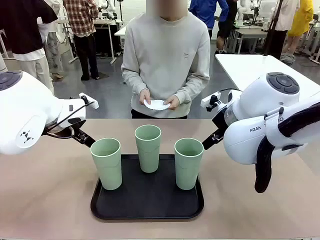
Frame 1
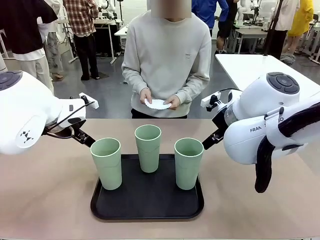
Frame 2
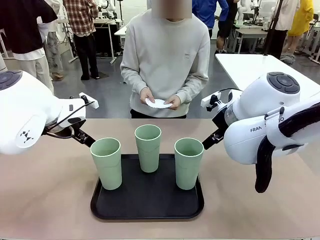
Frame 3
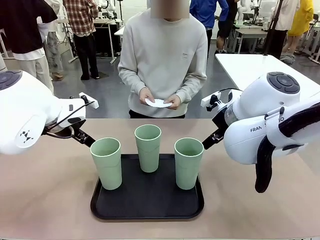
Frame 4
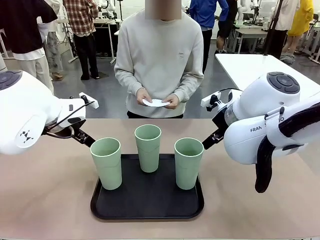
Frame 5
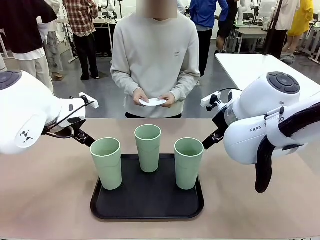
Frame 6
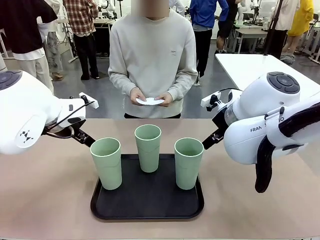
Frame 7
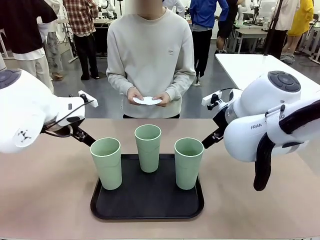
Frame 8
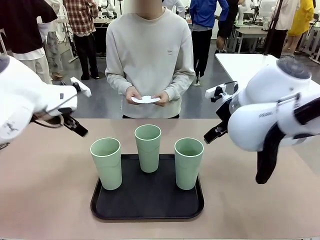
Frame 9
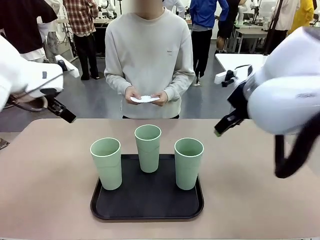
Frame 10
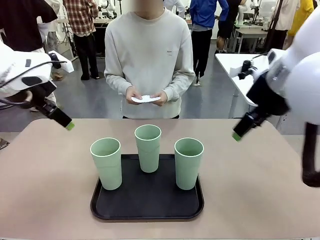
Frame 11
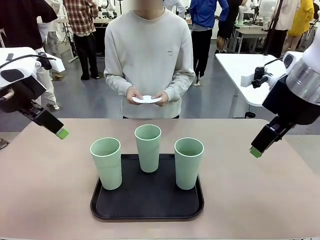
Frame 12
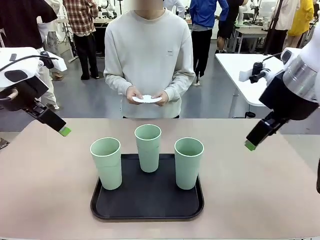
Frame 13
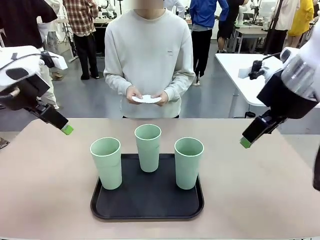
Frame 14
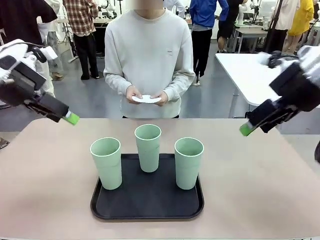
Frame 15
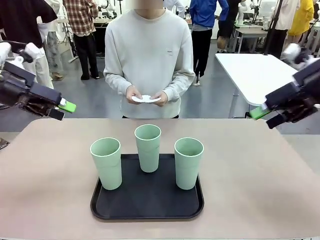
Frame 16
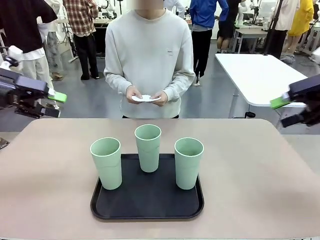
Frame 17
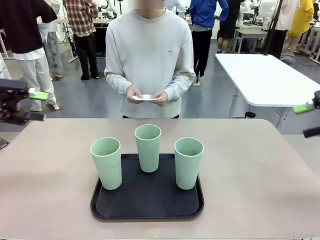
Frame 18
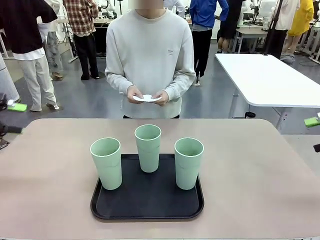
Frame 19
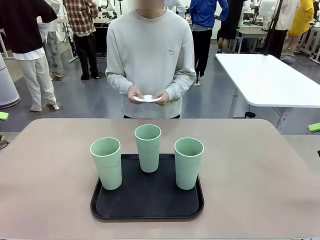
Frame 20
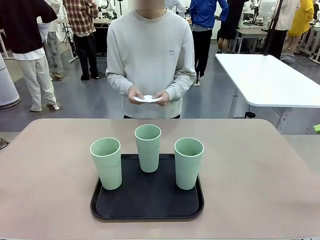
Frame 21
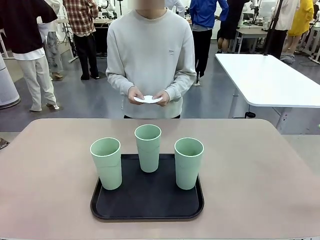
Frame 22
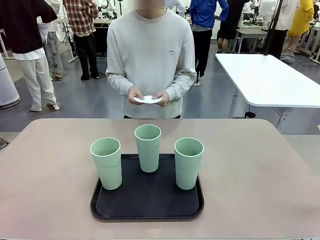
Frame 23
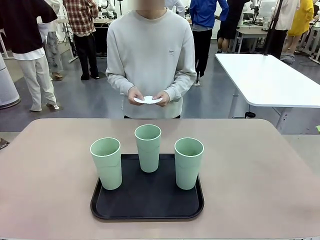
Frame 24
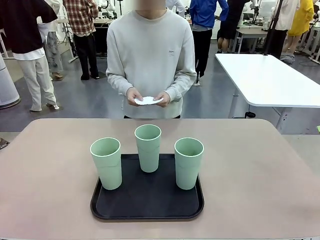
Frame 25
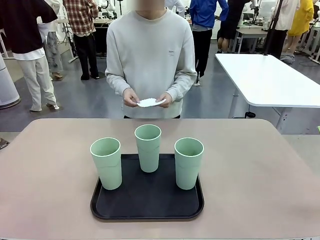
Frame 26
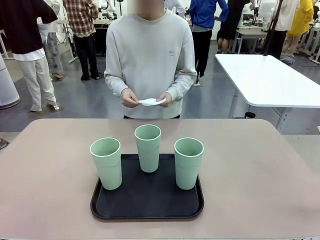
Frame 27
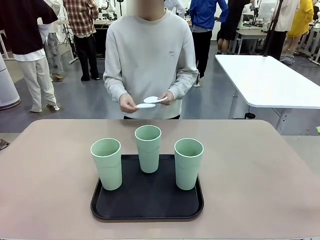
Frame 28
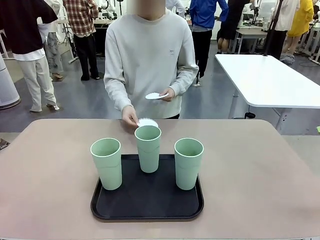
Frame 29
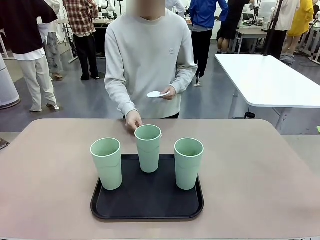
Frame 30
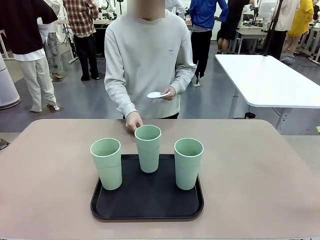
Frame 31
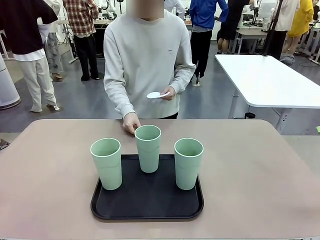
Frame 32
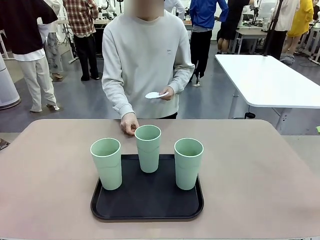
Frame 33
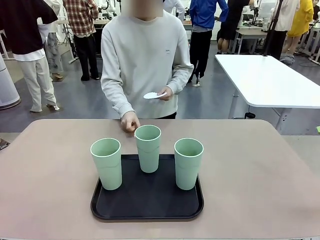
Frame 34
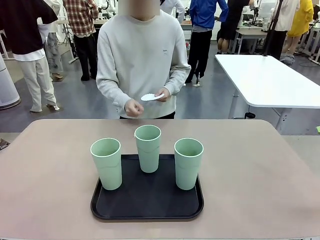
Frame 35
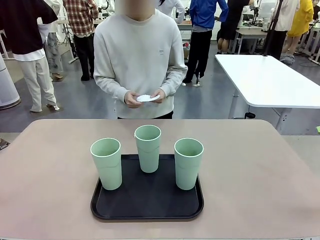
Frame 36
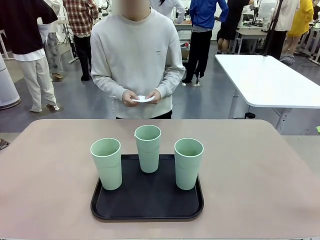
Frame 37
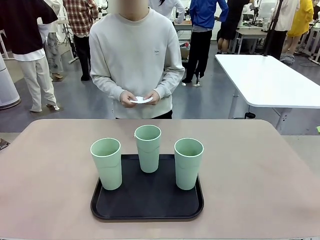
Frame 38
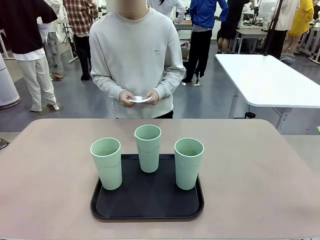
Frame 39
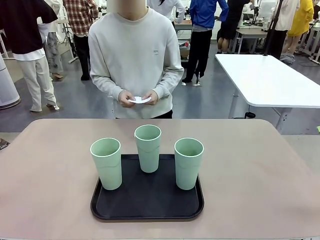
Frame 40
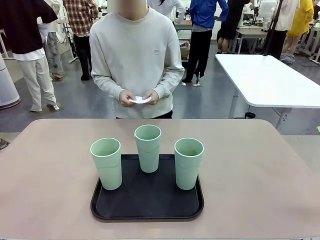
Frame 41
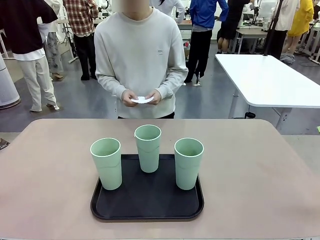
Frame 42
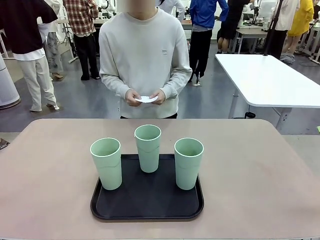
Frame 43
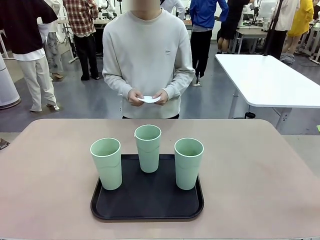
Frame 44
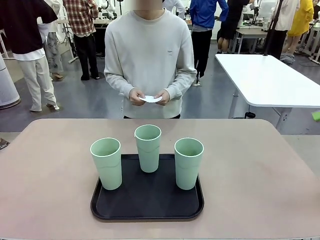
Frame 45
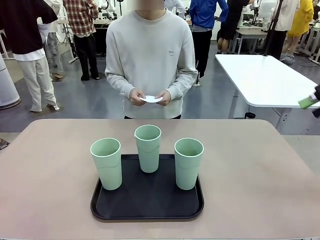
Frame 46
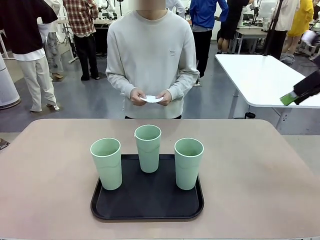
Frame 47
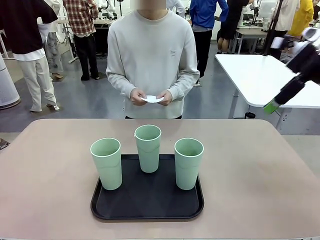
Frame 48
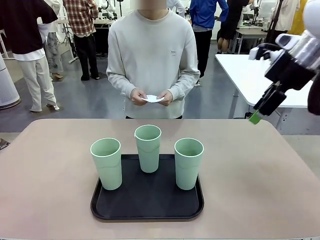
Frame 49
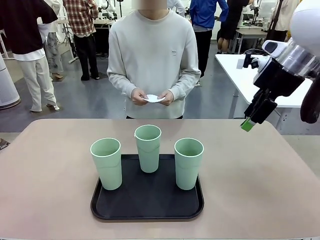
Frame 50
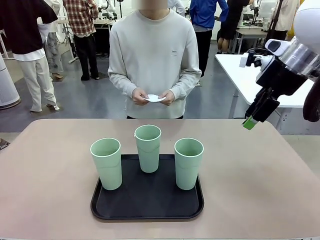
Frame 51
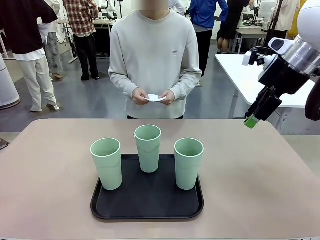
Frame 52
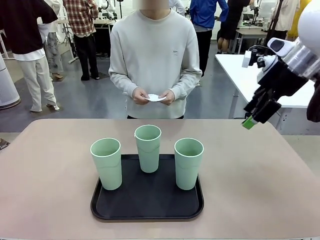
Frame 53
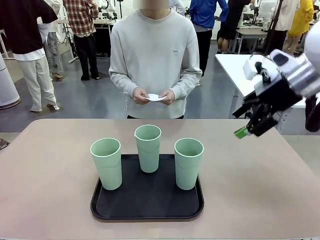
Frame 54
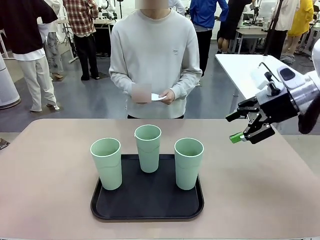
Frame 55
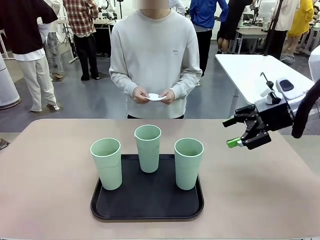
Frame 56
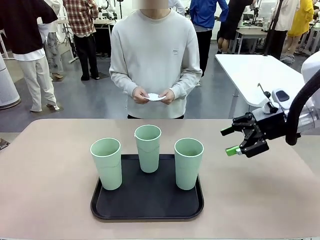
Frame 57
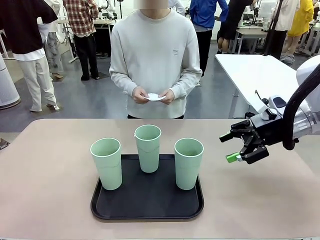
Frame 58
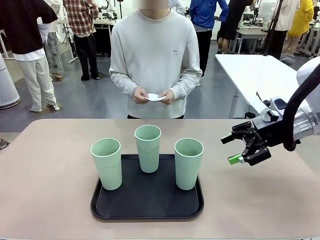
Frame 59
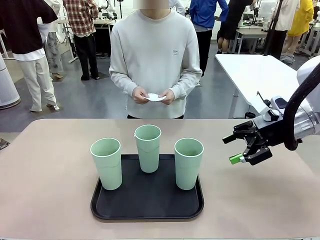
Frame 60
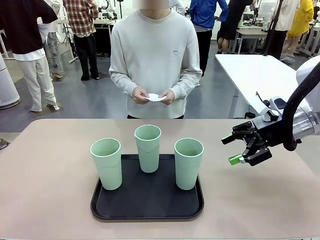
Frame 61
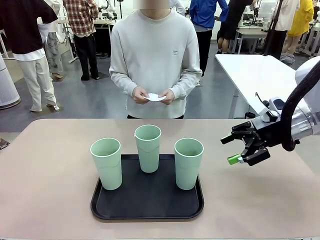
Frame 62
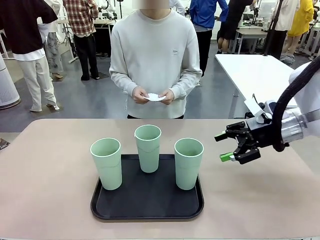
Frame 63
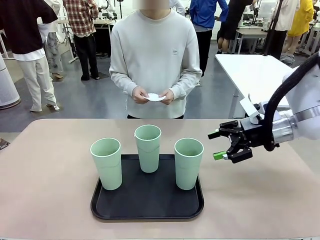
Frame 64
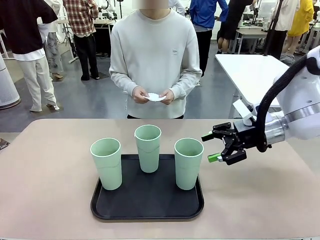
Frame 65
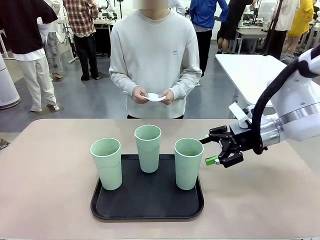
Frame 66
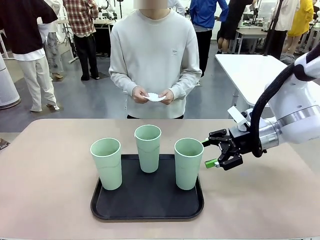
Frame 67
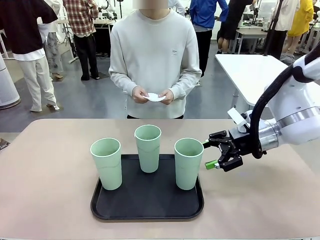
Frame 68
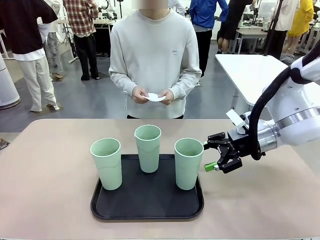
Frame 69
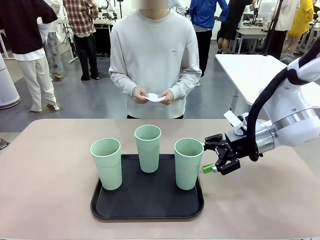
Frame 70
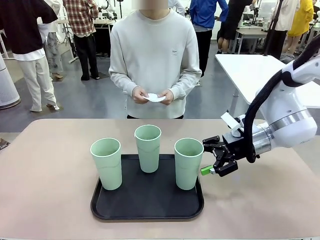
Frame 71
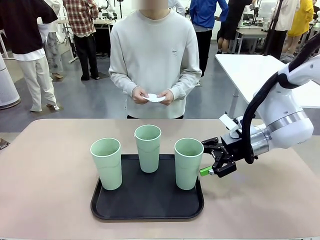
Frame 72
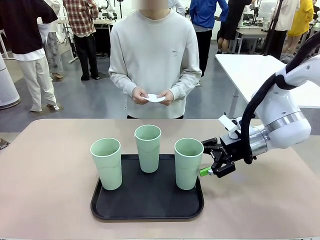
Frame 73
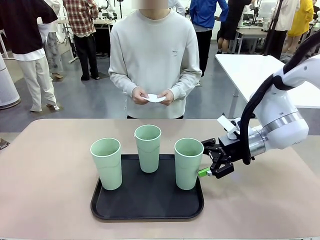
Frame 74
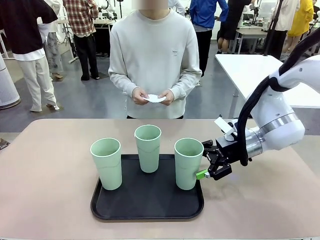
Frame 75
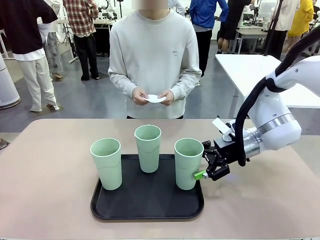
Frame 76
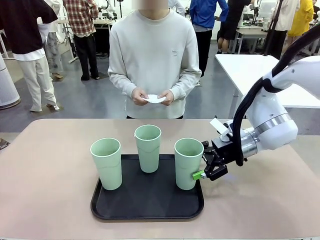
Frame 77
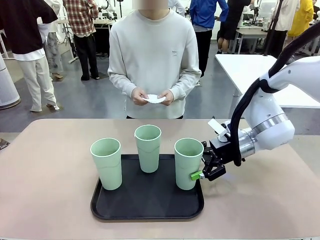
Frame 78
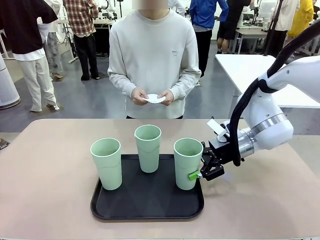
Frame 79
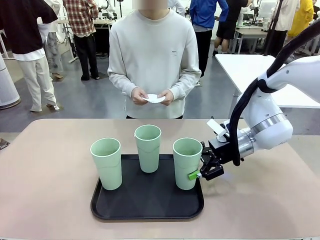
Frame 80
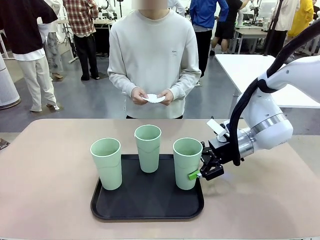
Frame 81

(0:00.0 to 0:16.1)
Task: Place coasters on the table and set cups on them.
Robot: Pick up one Reusable plastic cup and place it on a coaster set by the human.
Person: Place one coaster in any one of the three lower areas of the robot table (left, center, or right).
